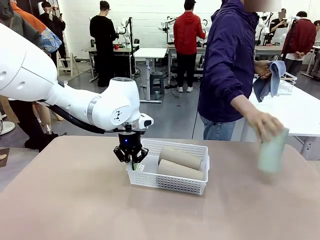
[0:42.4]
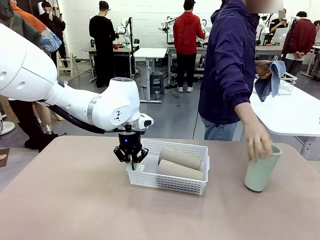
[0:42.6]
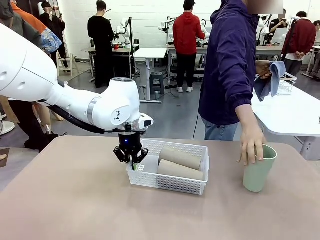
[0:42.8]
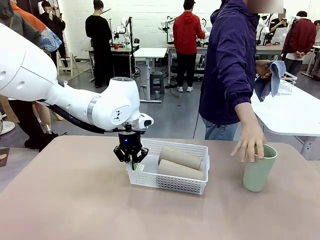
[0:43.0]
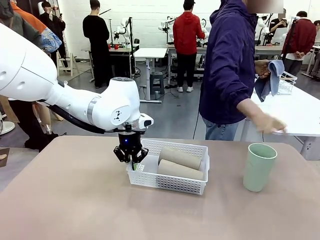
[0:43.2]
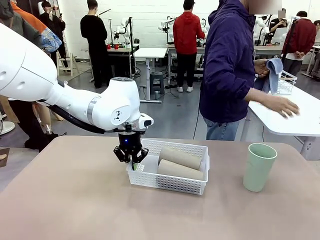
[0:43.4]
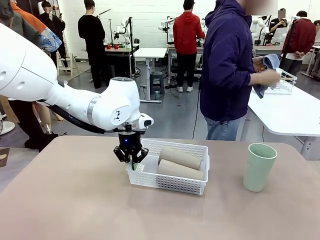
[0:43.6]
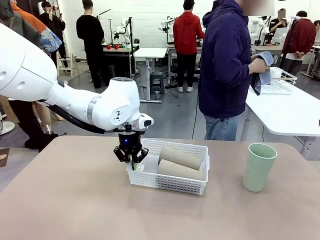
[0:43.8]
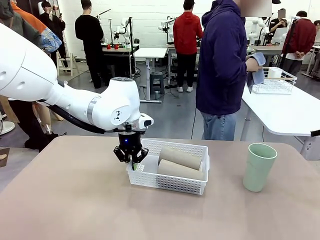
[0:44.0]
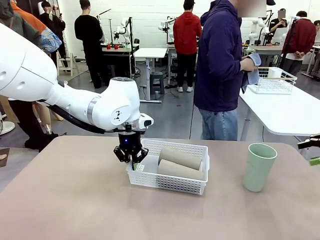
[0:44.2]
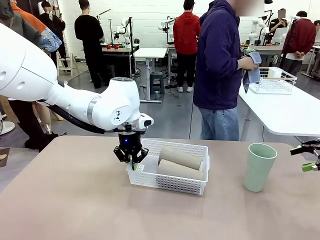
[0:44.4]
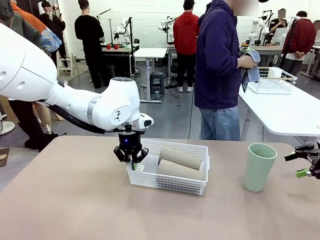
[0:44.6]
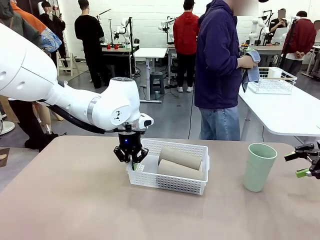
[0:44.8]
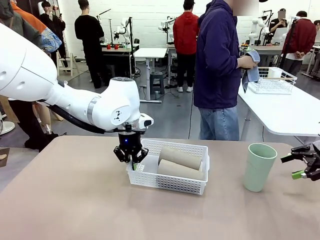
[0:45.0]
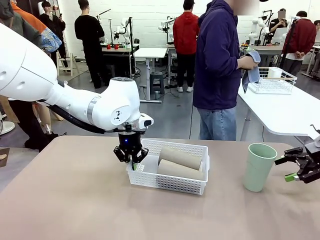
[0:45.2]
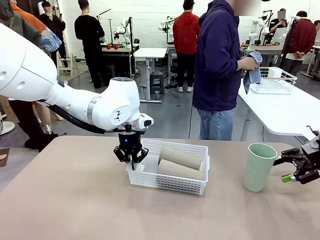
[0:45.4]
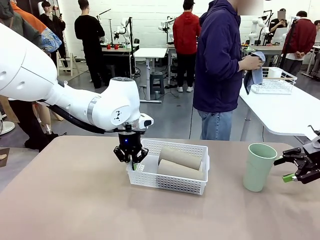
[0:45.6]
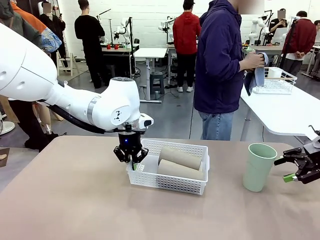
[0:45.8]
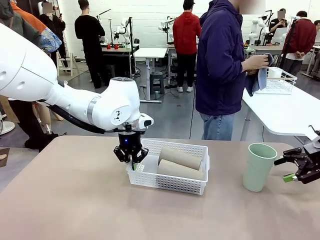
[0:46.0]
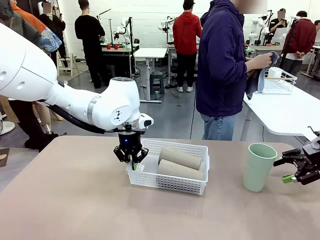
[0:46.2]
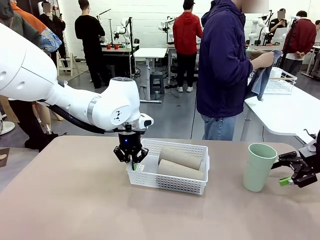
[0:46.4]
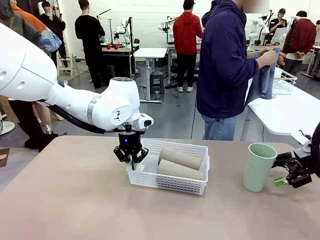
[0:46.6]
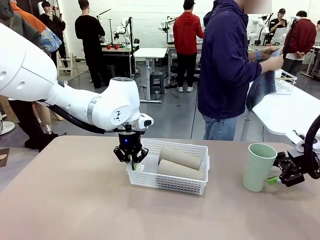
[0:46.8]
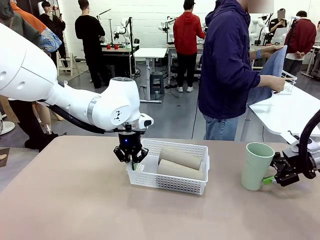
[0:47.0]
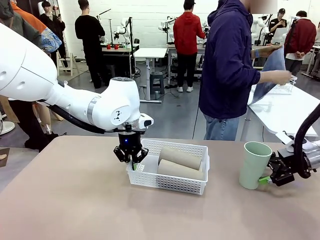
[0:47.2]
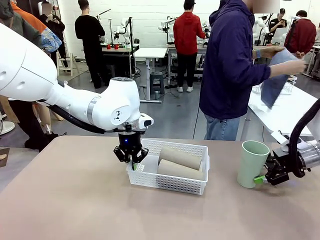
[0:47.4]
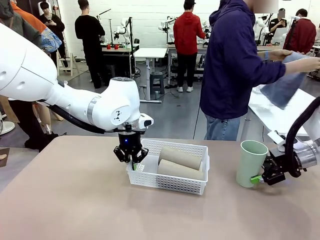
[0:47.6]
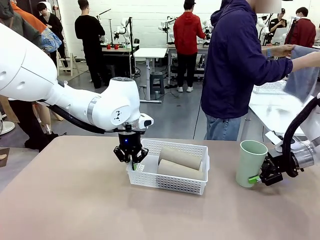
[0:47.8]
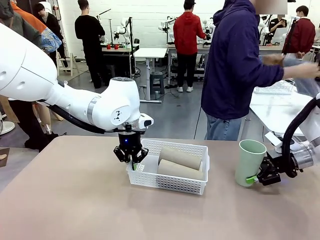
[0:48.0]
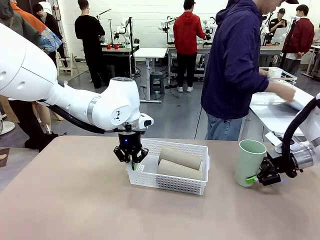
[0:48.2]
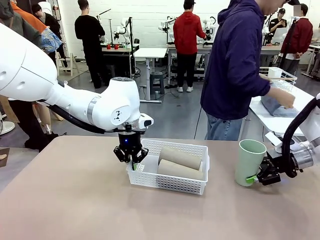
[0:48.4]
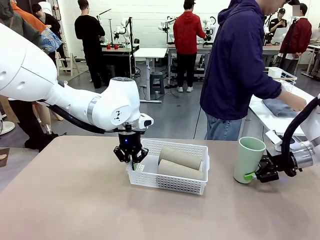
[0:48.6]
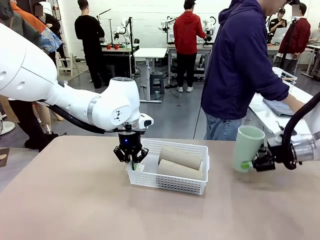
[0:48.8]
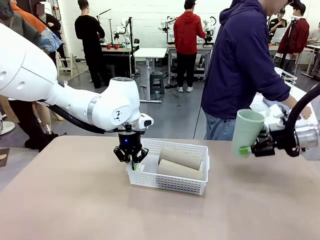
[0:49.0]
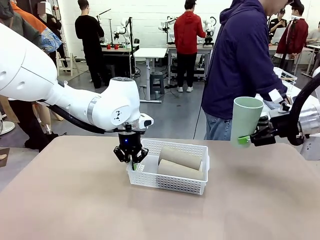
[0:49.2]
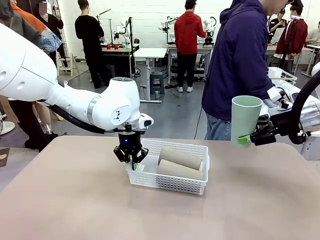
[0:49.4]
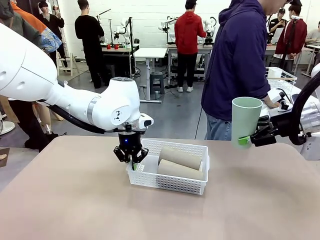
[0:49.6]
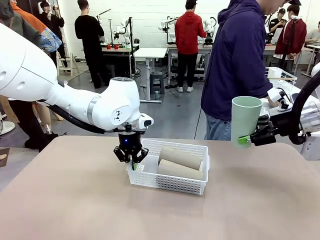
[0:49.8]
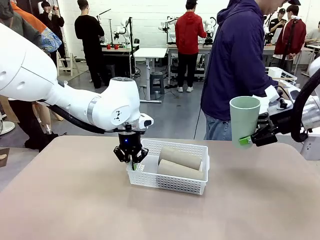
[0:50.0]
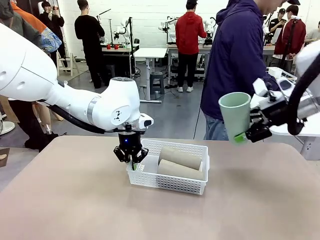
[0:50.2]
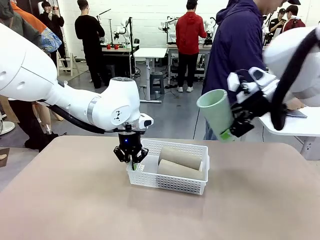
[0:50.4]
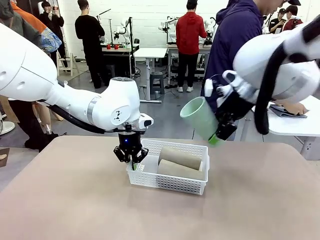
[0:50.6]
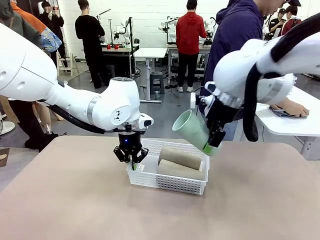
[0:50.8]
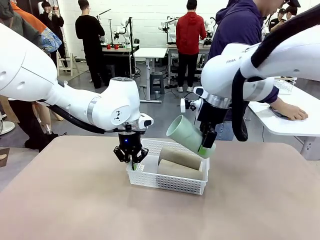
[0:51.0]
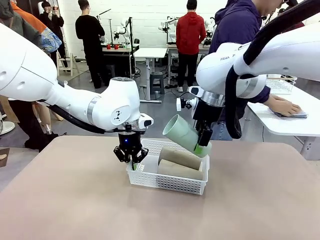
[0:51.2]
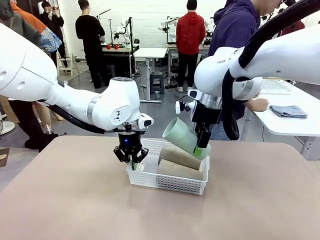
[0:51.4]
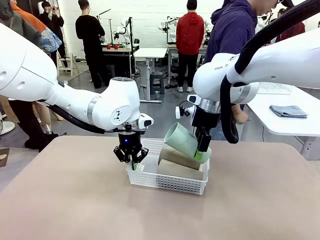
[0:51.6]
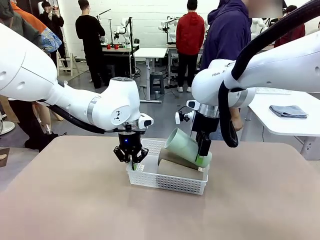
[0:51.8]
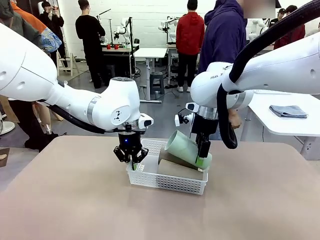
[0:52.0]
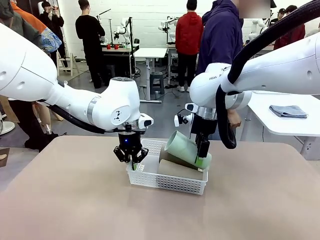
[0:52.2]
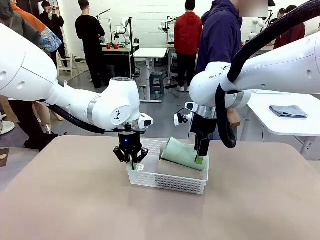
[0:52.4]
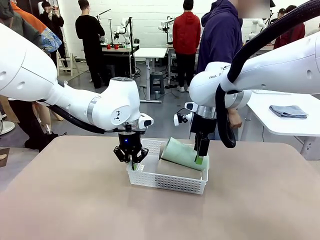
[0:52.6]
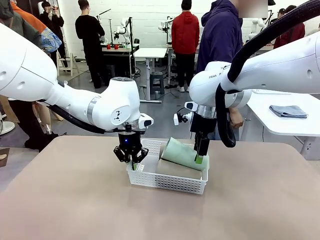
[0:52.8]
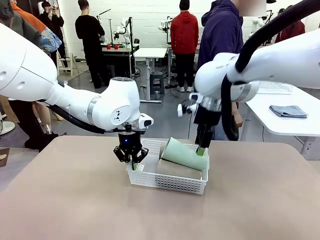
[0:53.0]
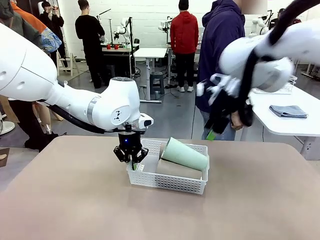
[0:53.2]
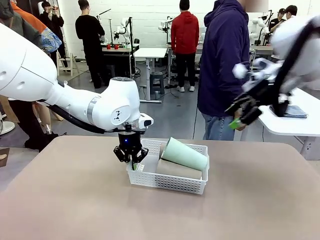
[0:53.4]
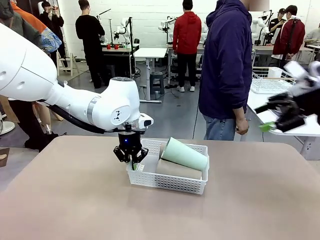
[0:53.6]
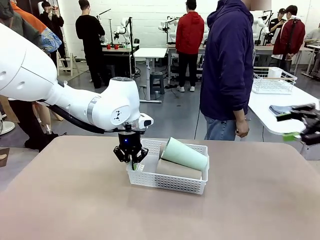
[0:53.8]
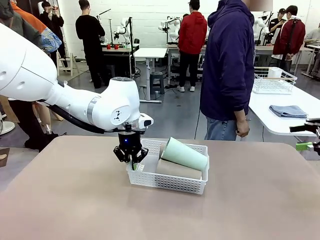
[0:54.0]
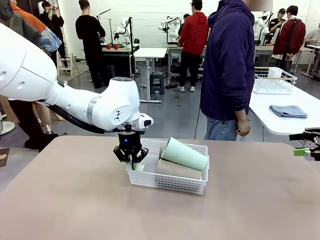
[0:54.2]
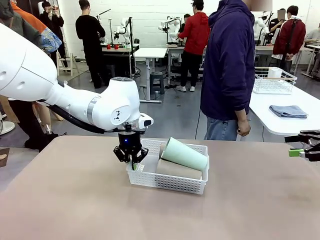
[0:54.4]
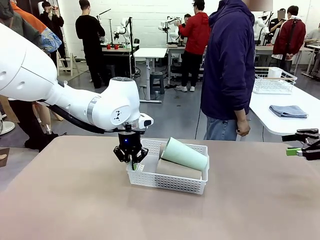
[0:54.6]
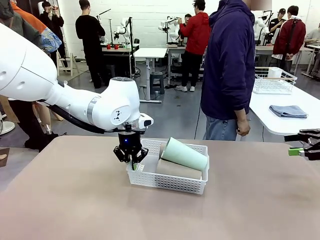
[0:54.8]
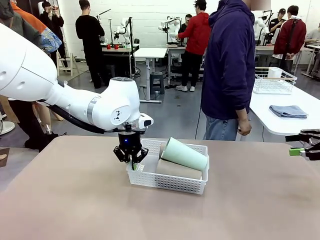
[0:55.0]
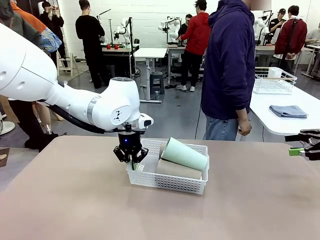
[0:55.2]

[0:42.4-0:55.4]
Task: Clean and organize the cups into the basket.
Robot: Pick up the Reusable plastic cup from the right side of the table and stack it inside the Organizing basket in the center of the table.

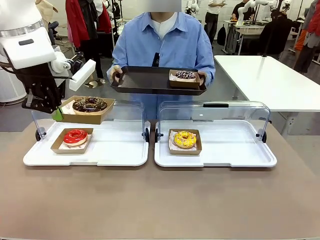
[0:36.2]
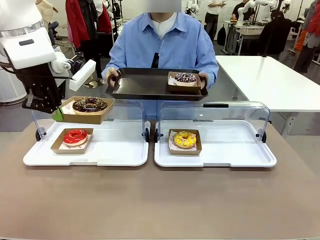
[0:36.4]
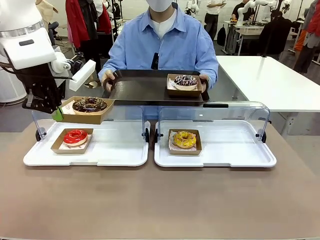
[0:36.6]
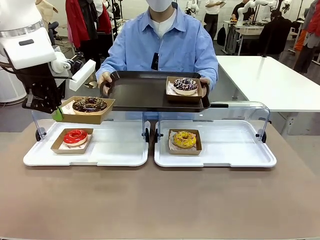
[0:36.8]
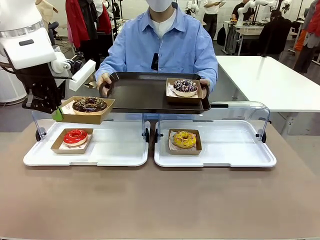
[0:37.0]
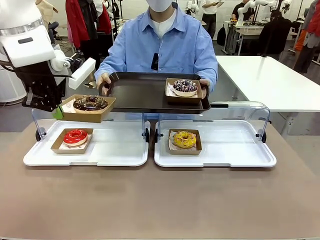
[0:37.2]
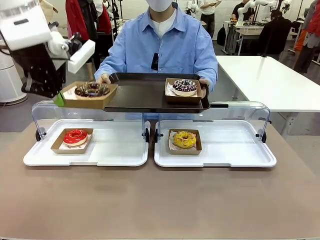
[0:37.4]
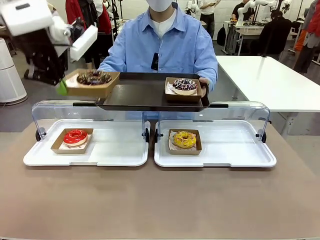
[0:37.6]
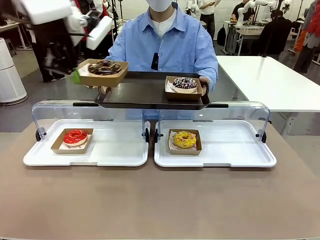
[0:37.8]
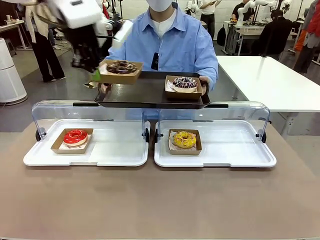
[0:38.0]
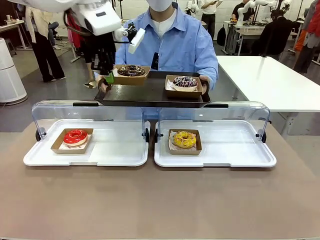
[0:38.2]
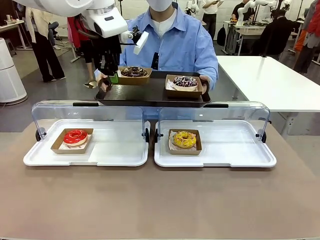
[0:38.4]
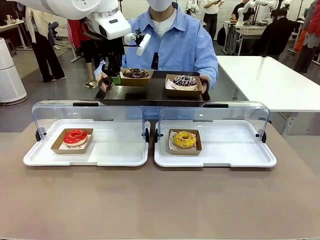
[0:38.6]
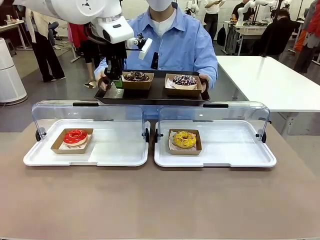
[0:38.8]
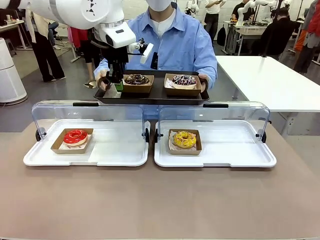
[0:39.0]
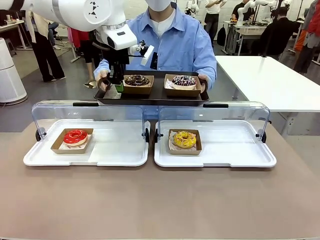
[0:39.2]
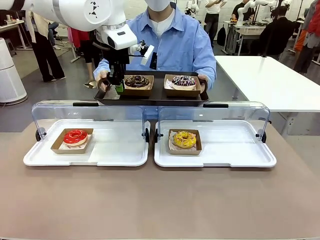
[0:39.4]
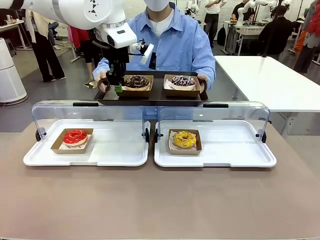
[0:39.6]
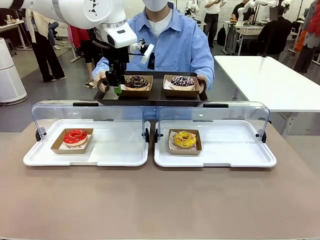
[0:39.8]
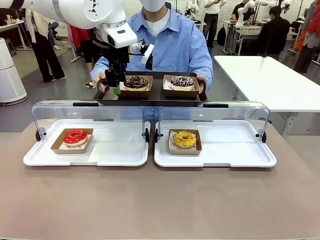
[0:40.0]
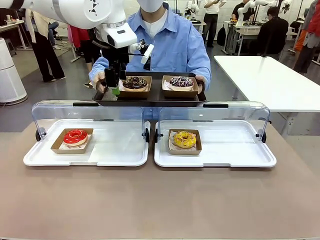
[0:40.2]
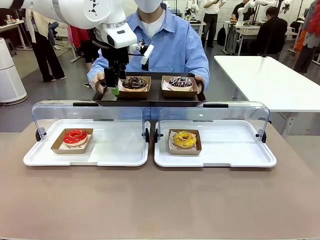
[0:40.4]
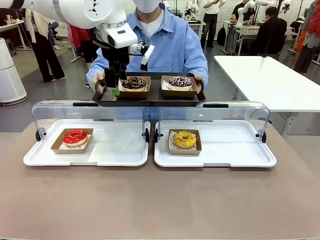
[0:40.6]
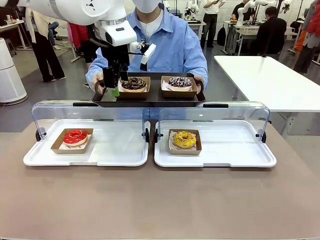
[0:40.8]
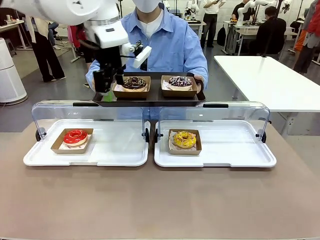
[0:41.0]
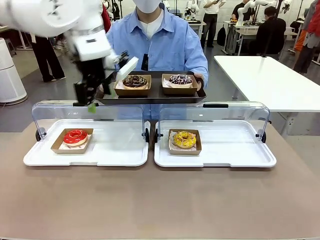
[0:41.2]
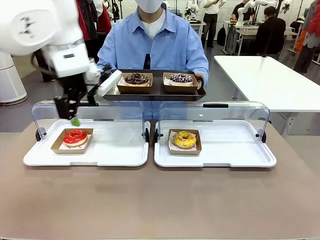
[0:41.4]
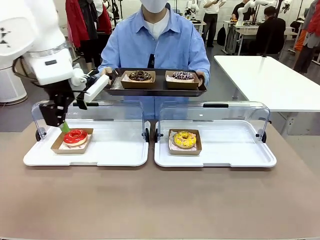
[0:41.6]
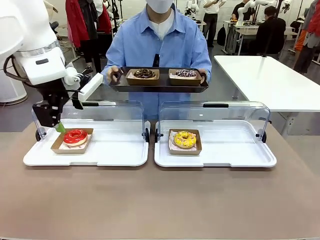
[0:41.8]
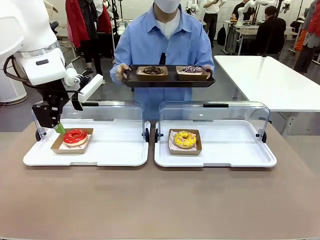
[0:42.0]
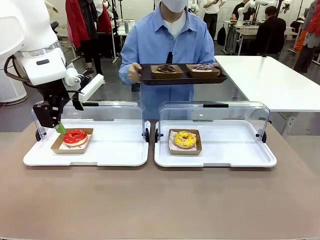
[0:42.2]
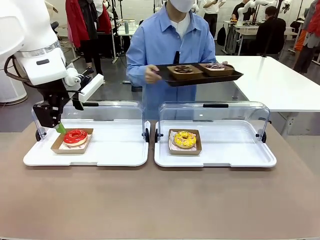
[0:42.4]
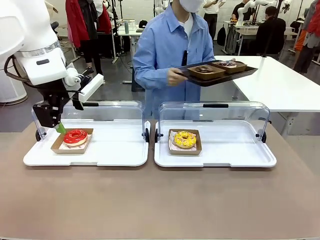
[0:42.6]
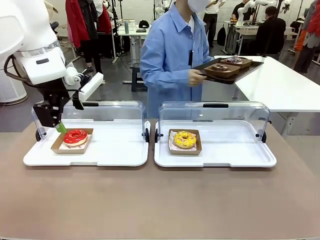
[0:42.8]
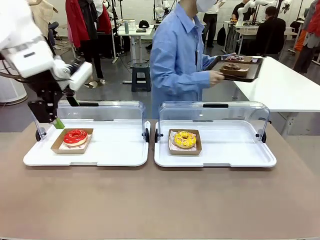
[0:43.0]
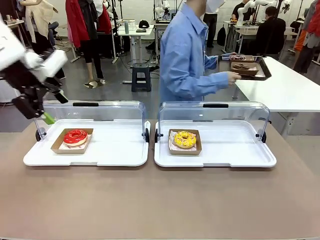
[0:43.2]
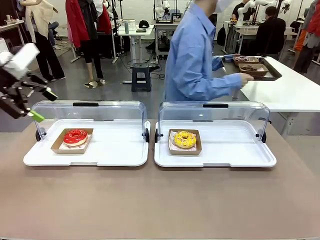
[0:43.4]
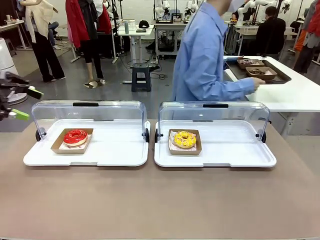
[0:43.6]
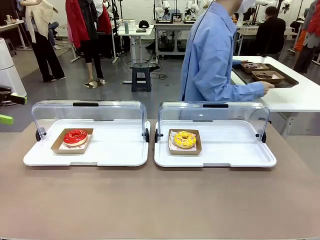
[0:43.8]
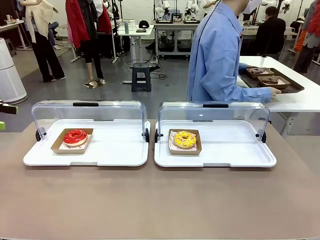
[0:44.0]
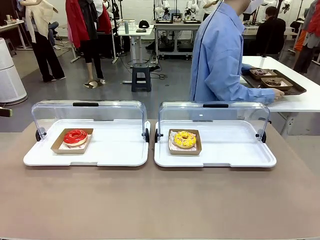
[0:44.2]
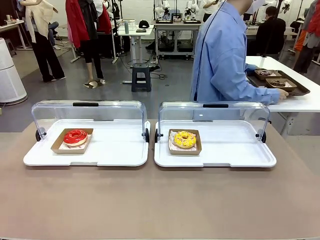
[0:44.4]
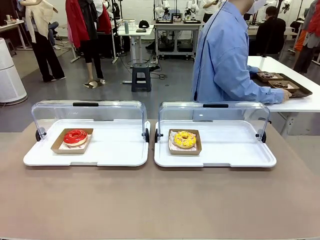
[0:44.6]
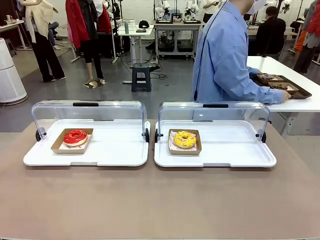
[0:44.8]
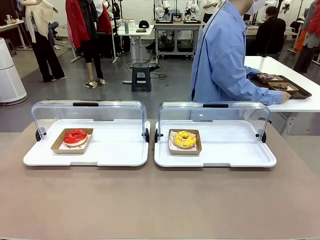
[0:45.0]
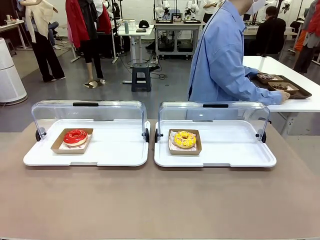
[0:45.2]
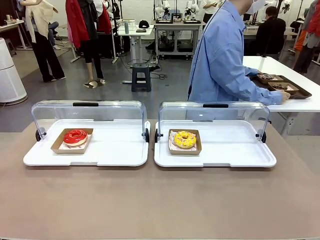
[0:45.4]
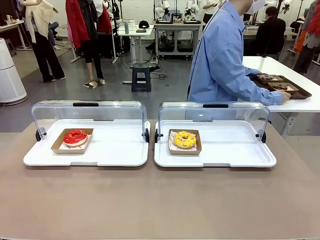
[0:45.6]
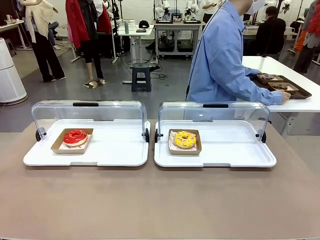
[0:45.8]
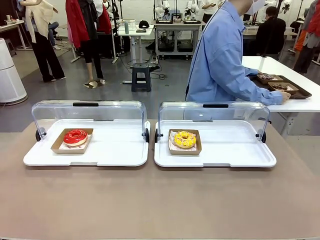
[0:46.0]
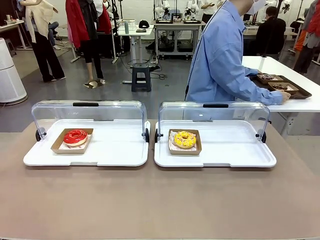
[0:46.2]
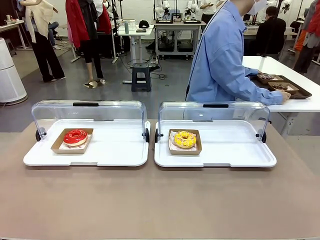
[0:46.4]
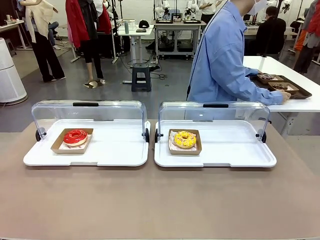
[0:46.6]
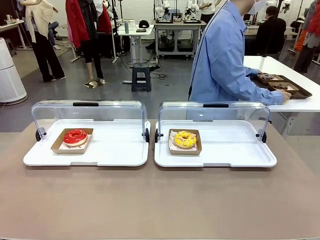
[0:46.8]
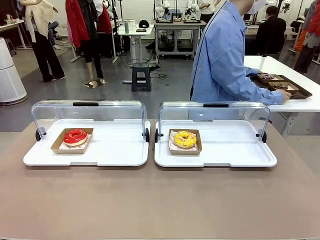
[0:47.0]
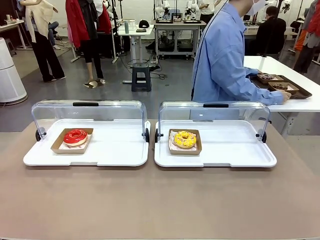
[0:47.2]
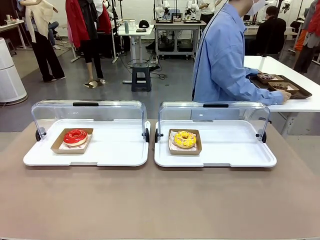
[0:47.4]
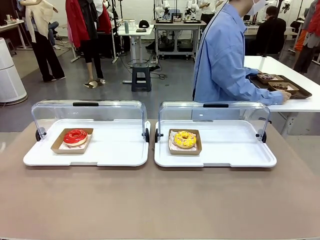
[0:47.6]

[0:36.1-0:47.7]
Task: Provide the desired donut to the person.
Robot: Place the picked Paper togo box onto the Handle tray extended by the person.
Person: Place the tray in the middle of the human table.
